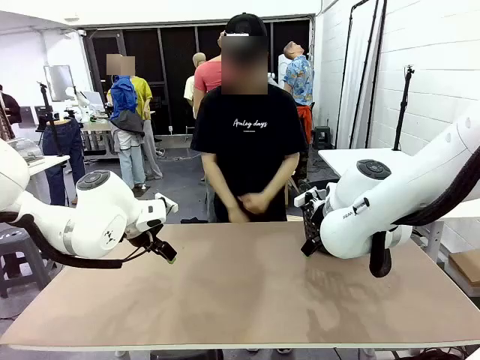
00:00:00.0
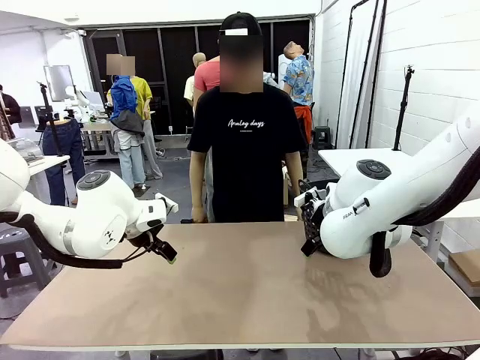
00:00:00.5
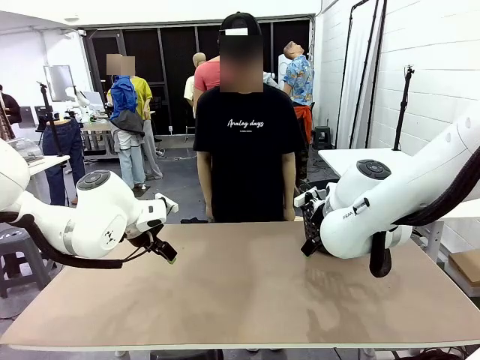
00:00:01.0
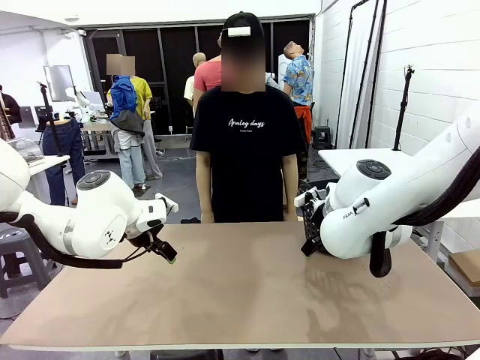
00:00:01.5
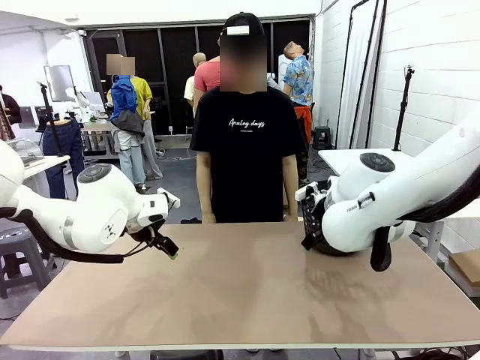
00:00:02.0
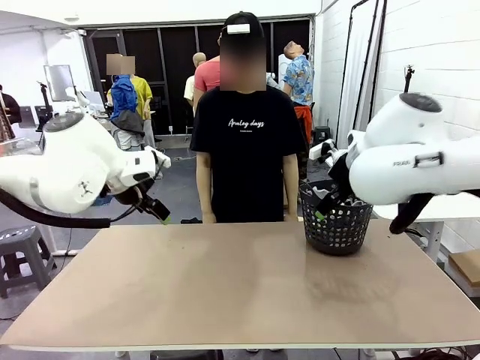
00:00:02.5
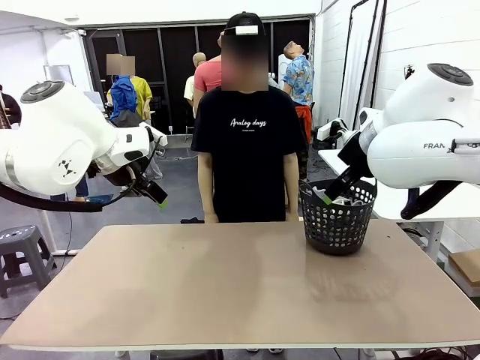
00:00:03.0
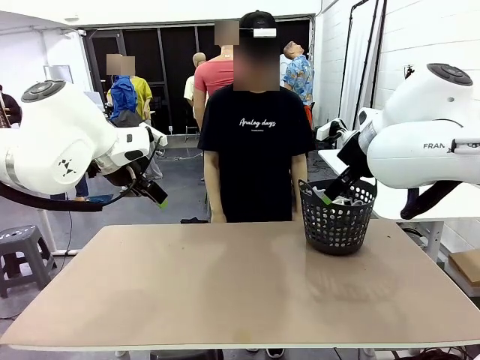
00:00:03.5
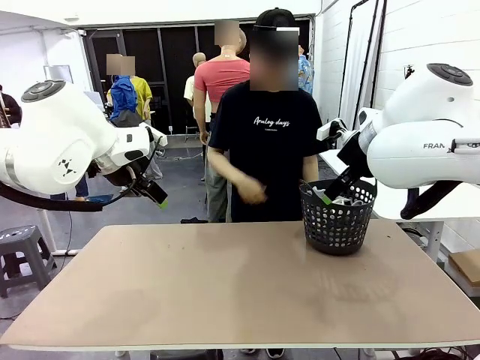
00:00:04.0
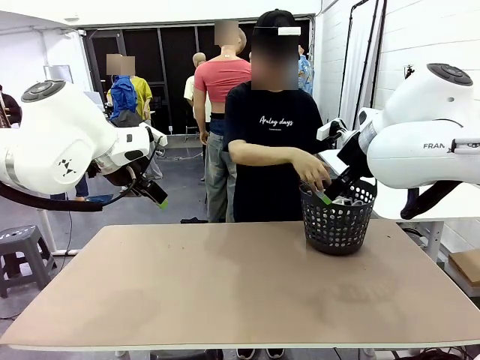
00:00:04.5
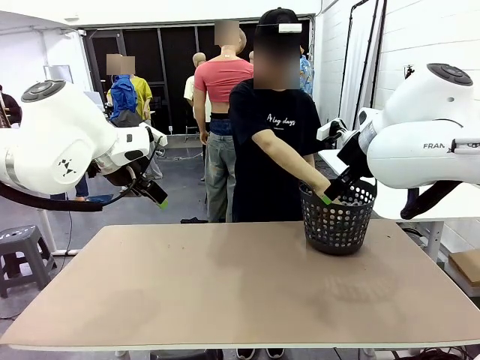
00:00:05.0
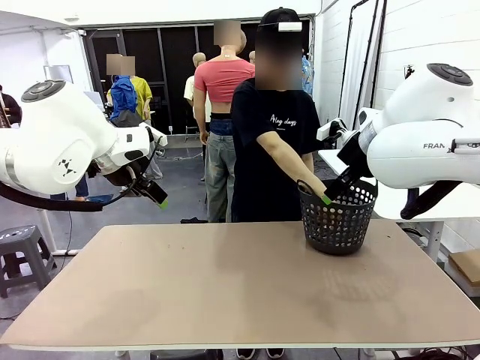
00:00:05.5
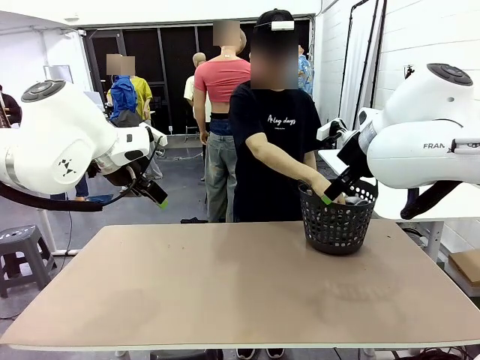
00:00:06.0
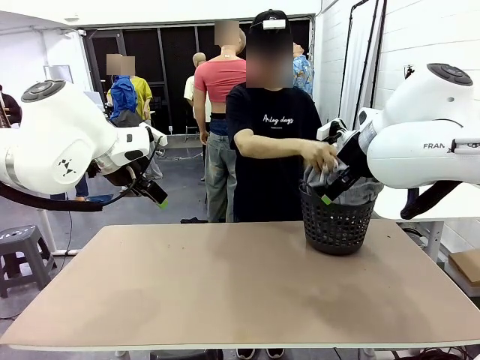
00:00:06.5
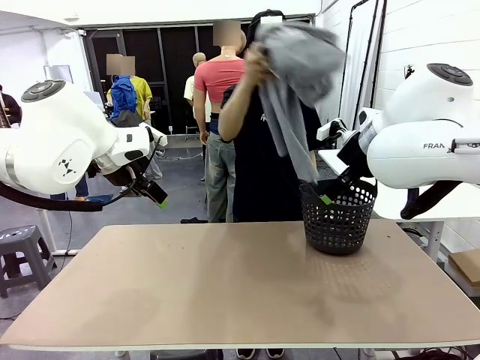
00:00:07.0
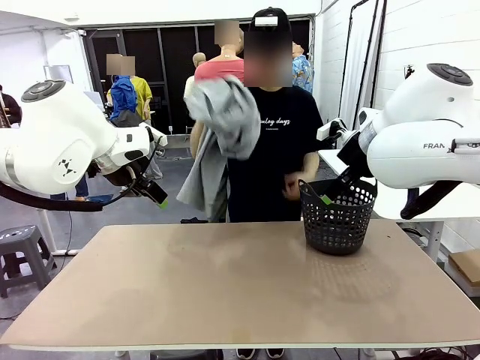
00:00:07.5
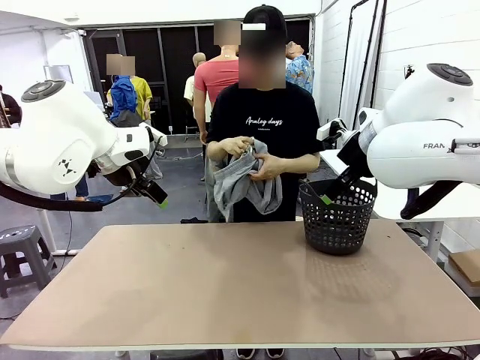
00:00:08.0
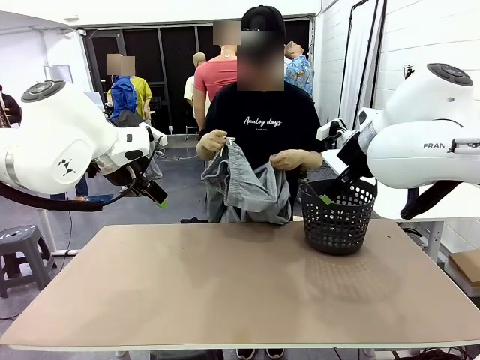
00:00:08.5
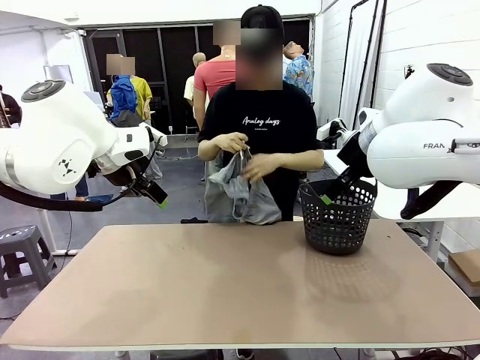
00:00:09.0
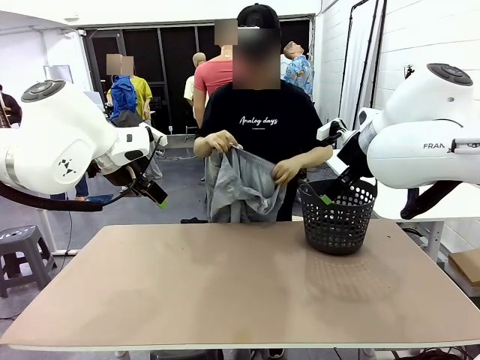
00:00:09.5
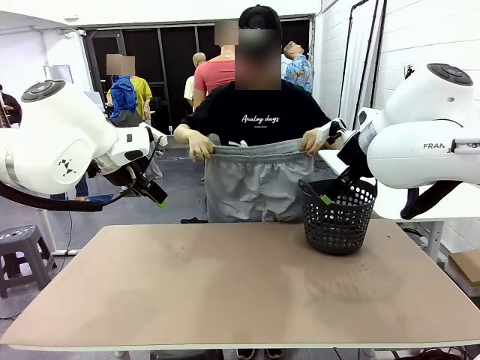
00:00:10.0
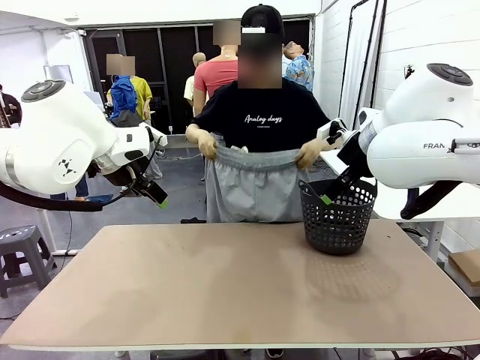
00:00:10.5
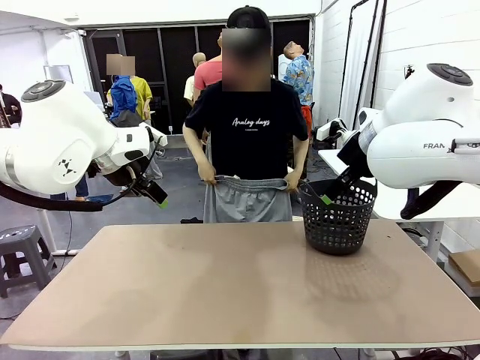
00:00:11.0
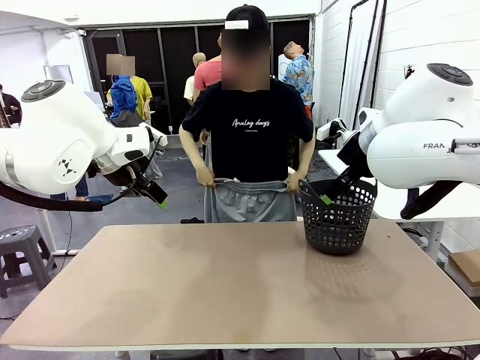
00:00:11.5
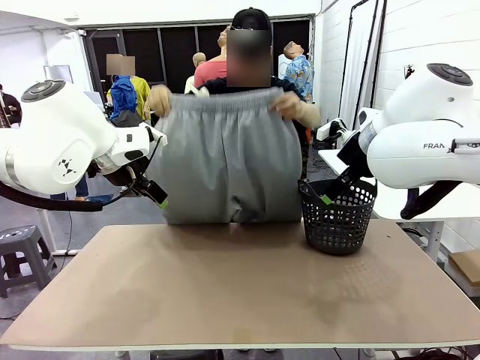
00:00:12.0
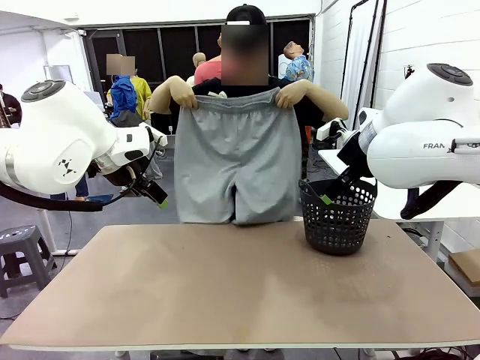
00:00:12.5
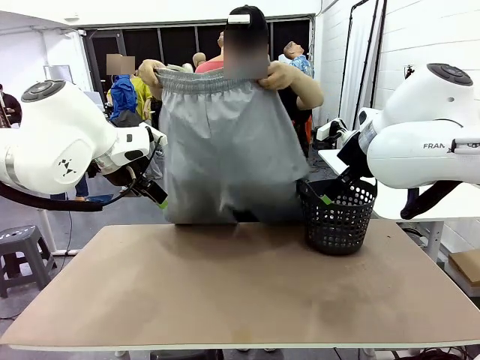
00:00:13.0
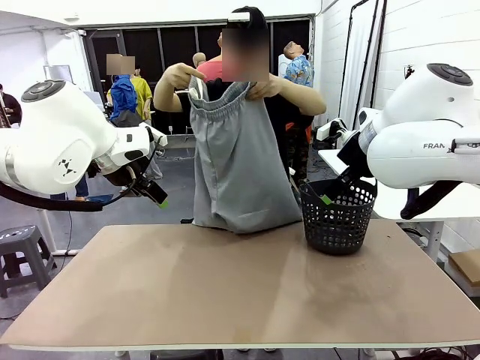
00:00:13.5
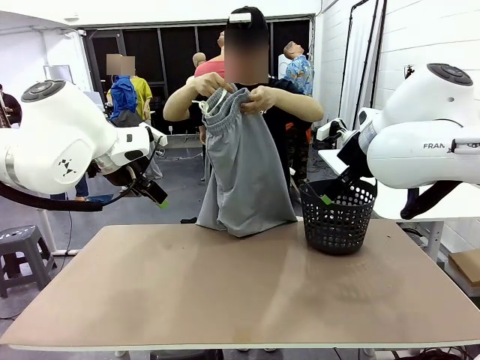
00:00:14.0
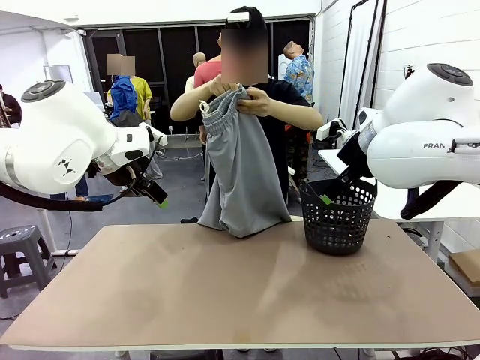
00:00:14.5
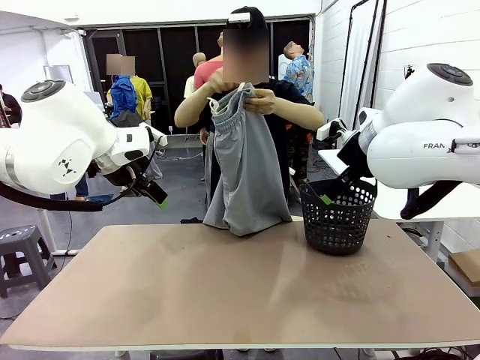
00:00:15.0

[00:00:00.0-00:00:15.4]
Task: Fold the training pants.
Robot: Grab both ends of the Training pants handed by a person.
Person: Take the long pants out of the laundry basket, unfold them, fold the waist in half, and extend them so the robot can pick up both corners.

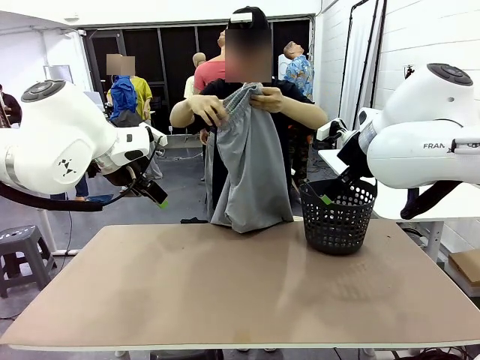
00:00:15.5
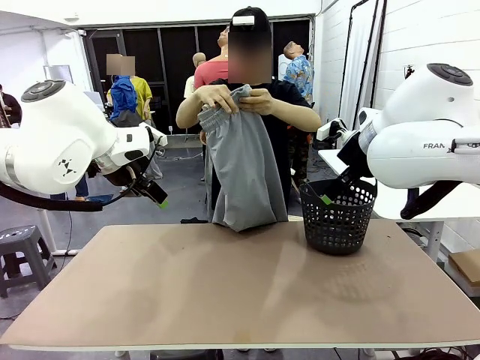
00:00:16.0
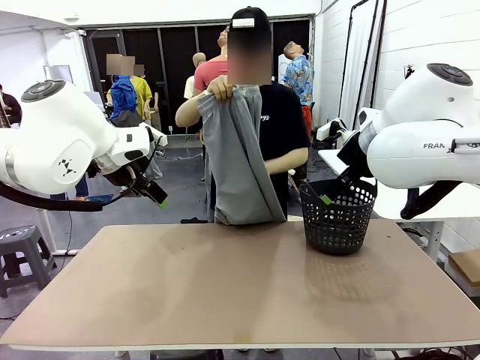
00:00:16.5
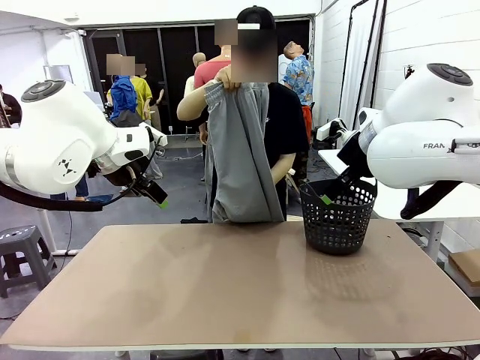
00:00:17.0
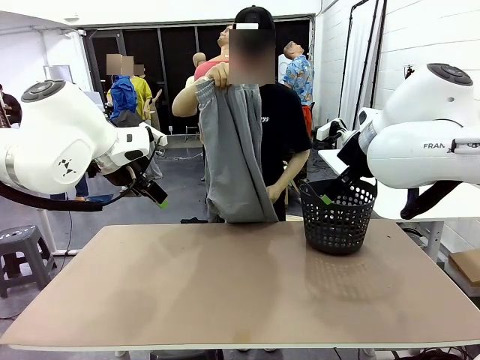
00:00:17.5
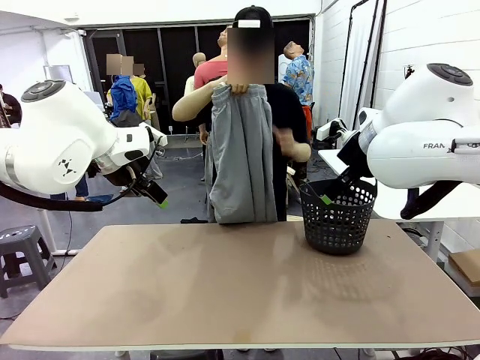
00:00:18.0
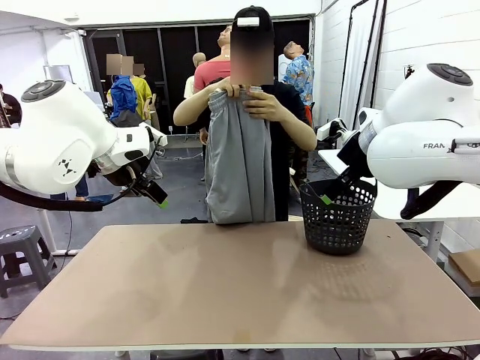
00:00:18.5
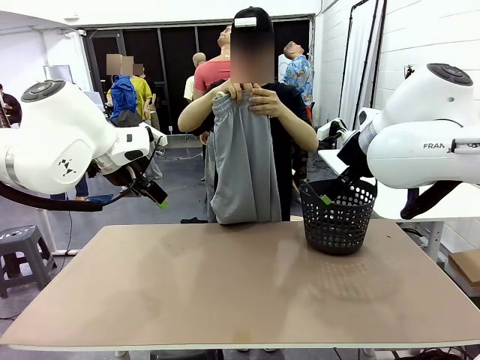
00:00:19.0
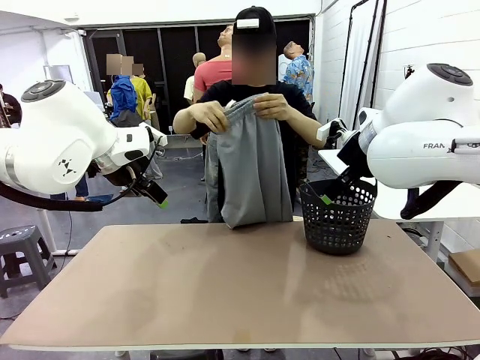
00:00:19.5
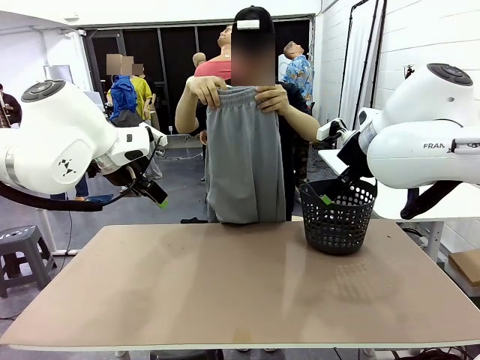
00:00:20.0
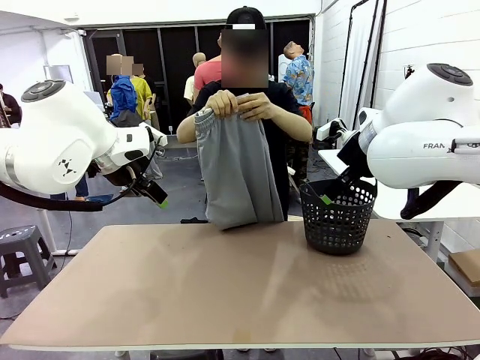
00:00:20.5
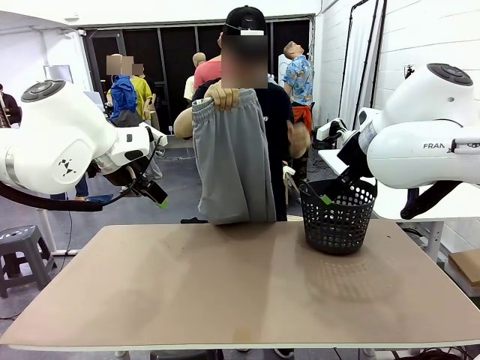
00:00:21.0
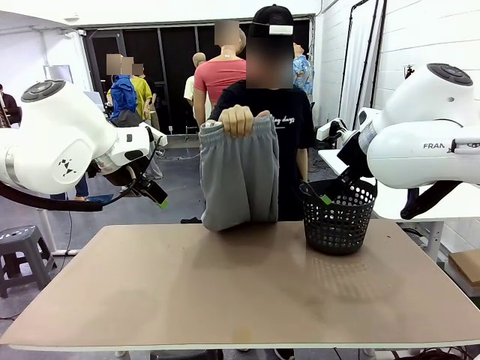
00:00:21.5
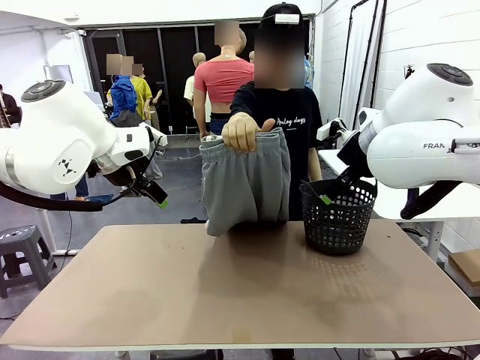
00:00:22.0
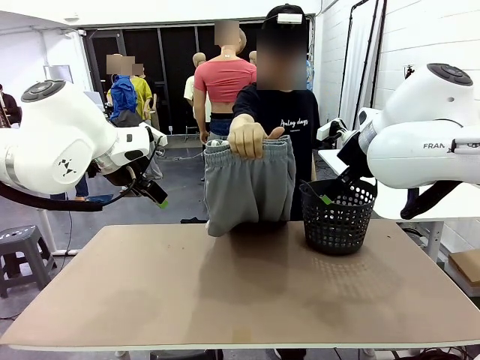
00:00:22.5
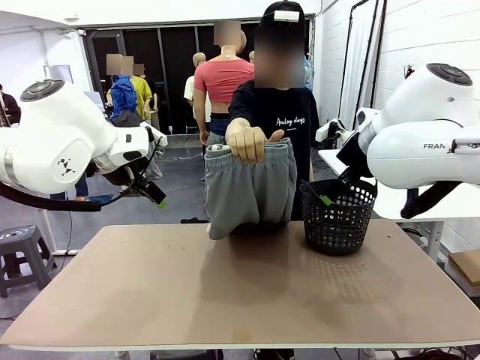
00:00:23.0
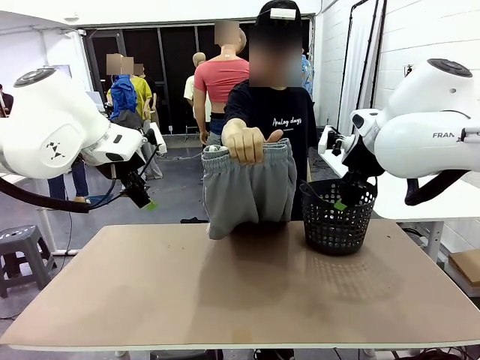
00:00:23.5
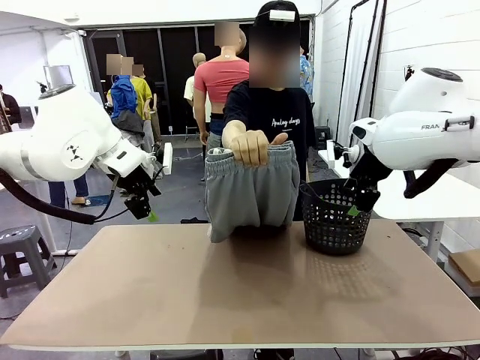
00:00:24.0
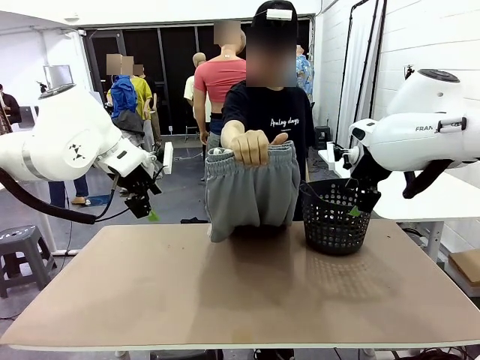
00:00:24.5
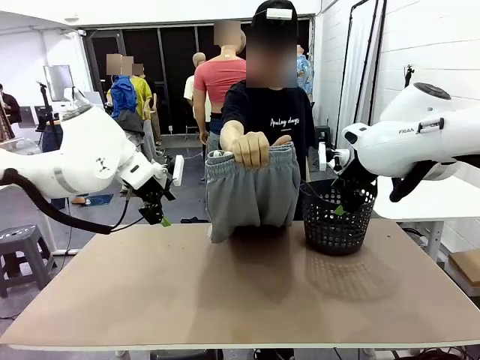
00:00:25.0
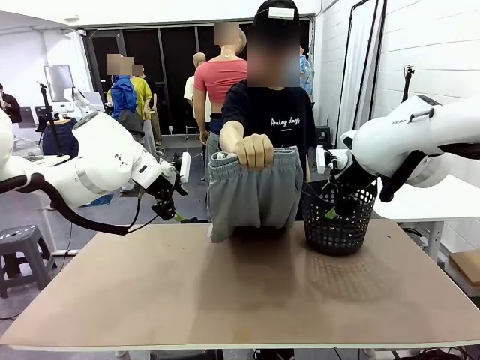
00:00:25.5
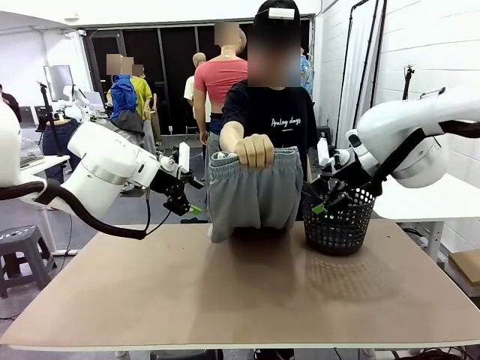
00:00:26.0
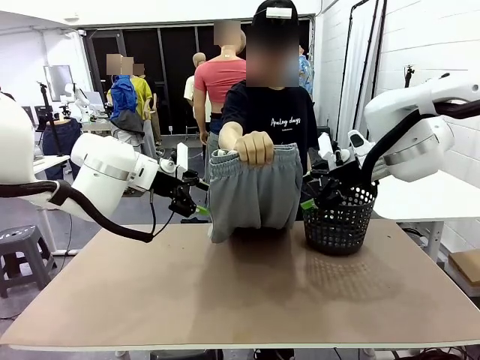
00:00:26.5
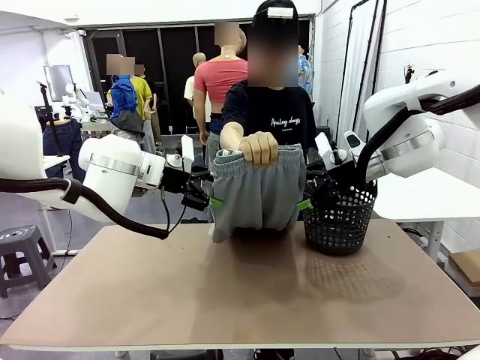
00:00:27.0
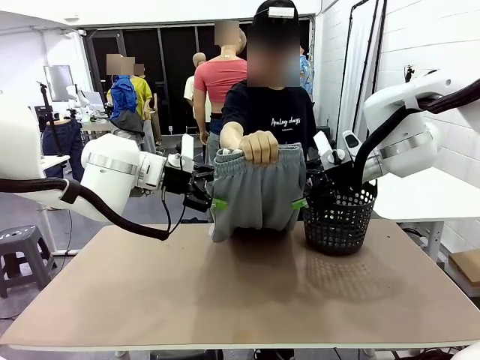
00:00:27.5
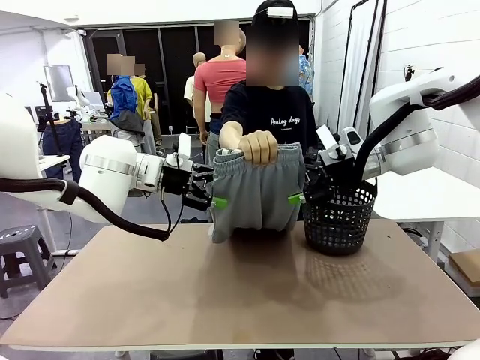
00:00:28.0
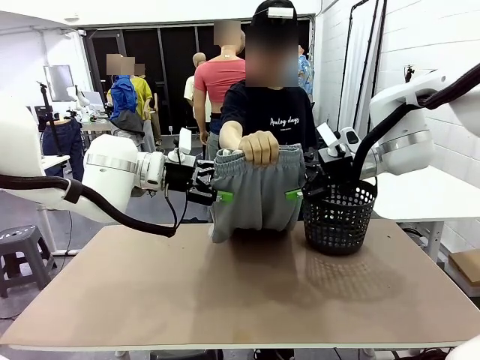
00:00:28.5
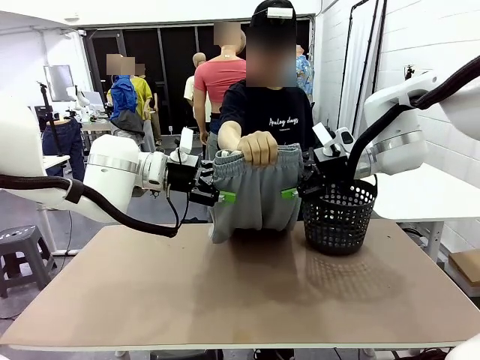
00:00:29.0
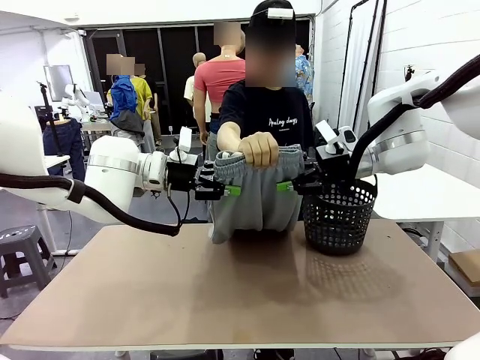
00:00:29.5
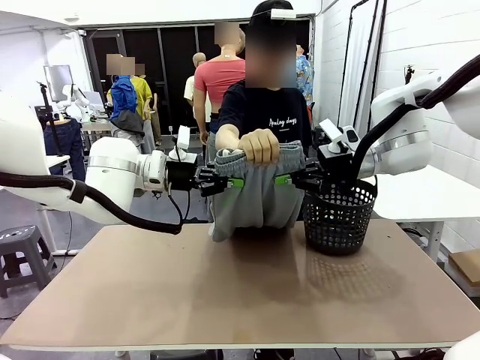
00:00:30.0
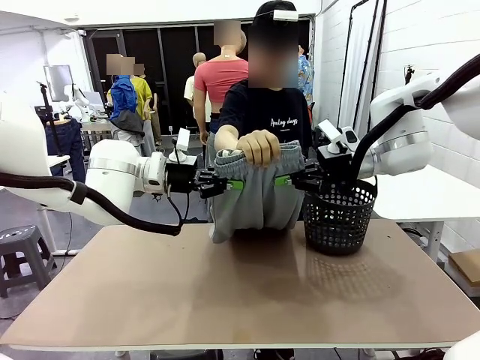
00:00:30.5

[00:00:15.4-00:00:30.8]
Robot: Grab both ends of the Training pants handed by a person.
